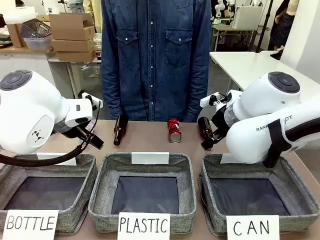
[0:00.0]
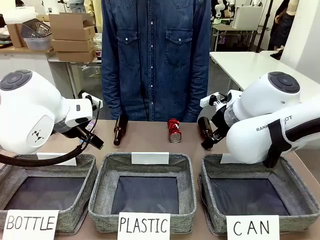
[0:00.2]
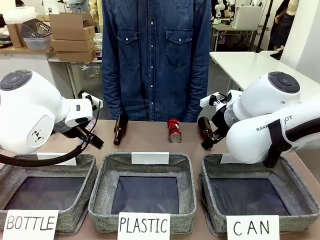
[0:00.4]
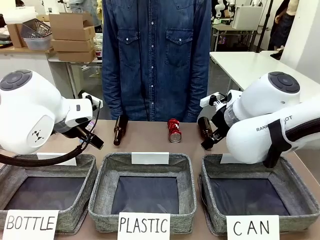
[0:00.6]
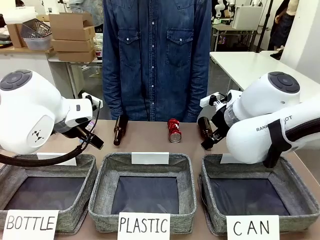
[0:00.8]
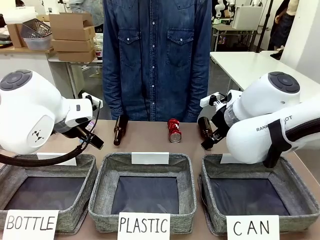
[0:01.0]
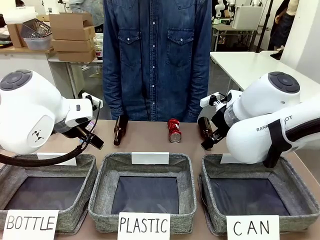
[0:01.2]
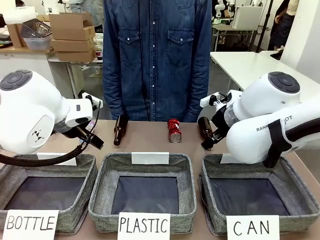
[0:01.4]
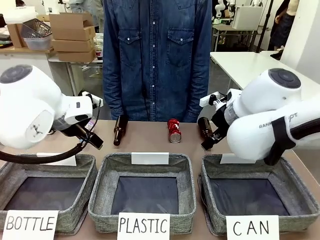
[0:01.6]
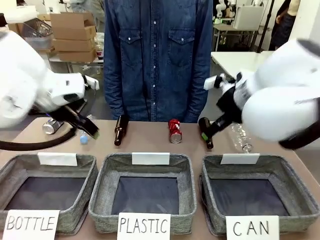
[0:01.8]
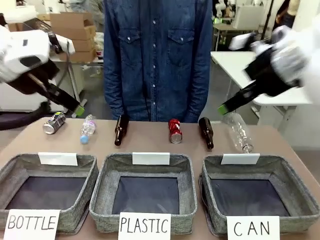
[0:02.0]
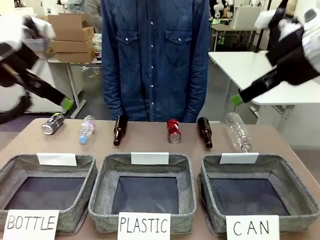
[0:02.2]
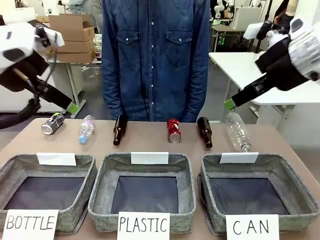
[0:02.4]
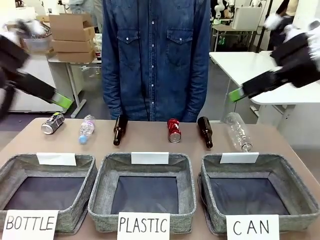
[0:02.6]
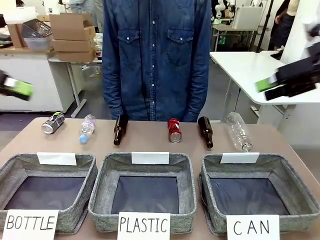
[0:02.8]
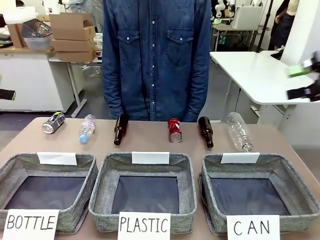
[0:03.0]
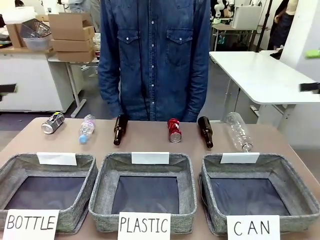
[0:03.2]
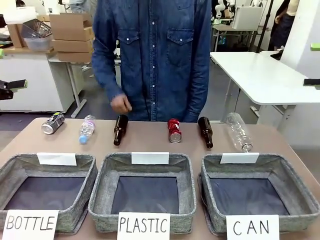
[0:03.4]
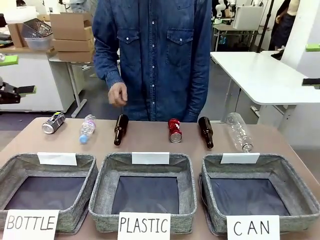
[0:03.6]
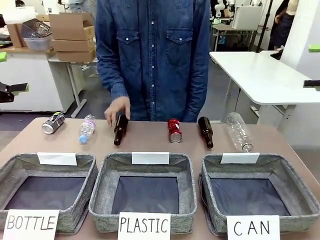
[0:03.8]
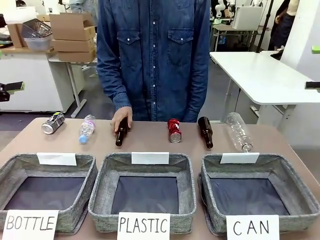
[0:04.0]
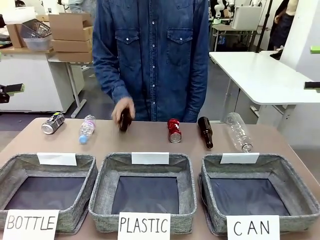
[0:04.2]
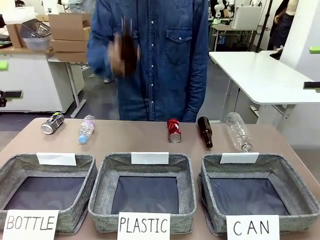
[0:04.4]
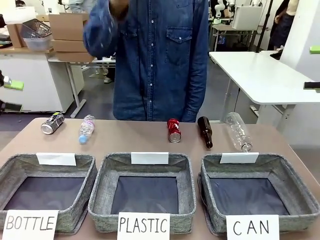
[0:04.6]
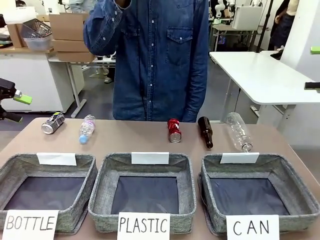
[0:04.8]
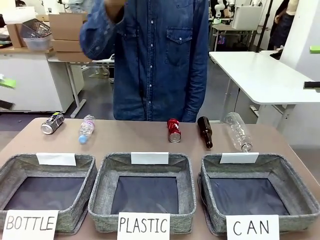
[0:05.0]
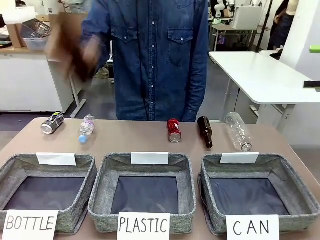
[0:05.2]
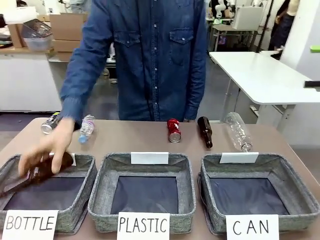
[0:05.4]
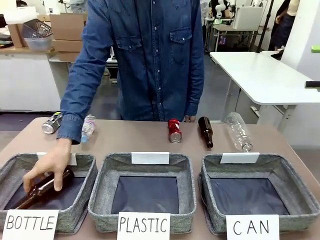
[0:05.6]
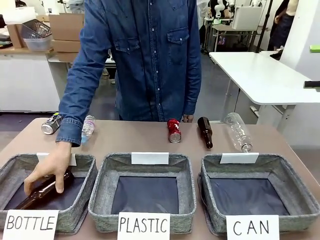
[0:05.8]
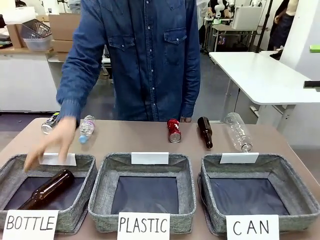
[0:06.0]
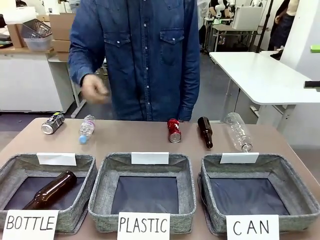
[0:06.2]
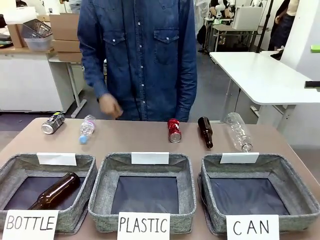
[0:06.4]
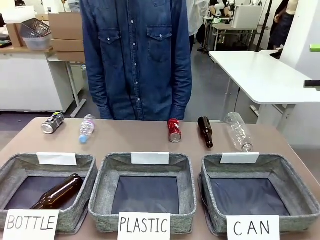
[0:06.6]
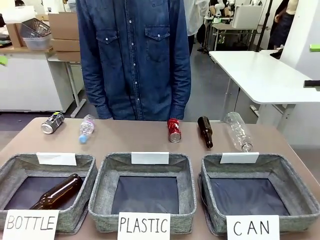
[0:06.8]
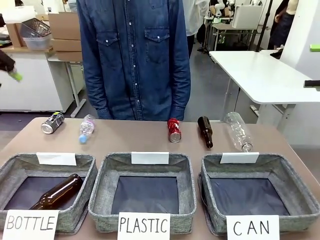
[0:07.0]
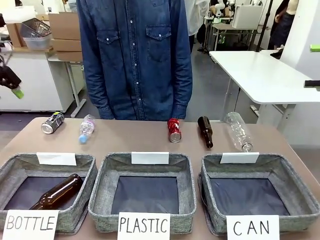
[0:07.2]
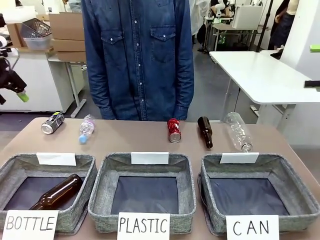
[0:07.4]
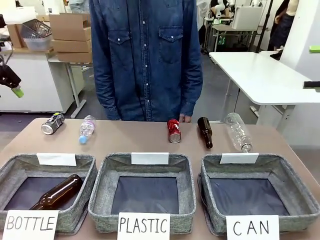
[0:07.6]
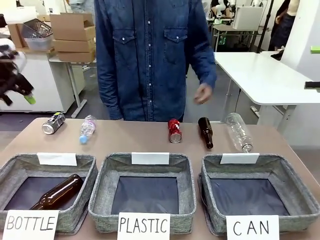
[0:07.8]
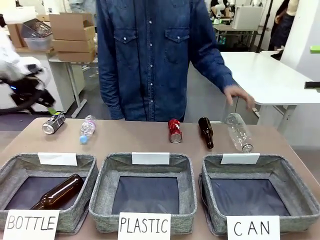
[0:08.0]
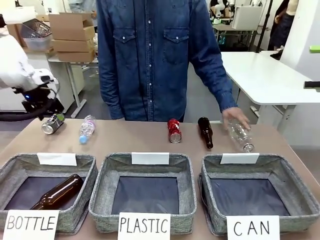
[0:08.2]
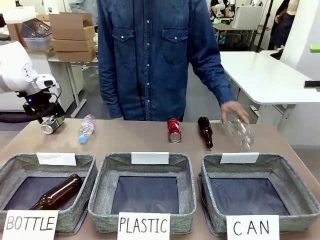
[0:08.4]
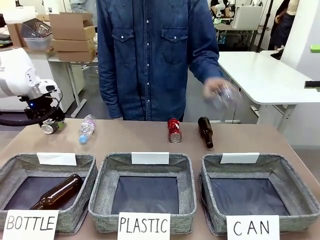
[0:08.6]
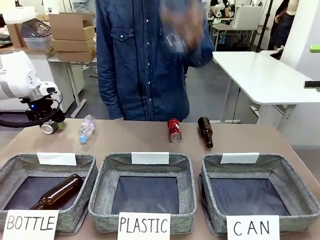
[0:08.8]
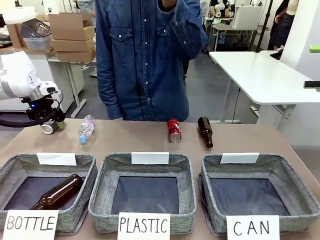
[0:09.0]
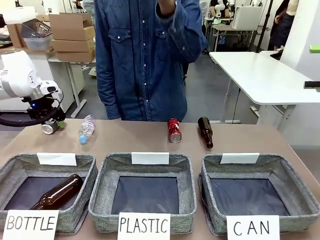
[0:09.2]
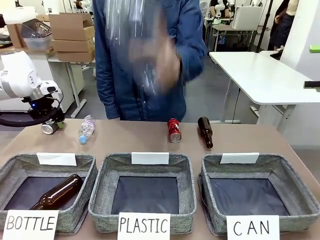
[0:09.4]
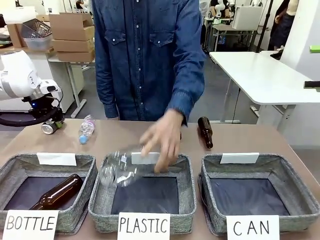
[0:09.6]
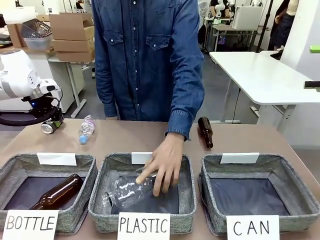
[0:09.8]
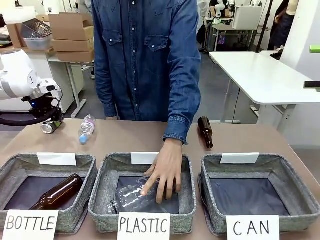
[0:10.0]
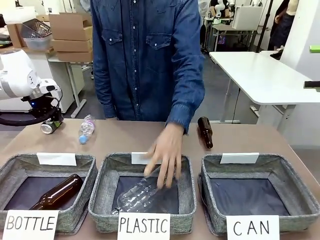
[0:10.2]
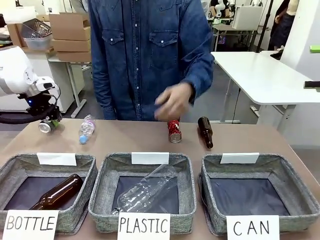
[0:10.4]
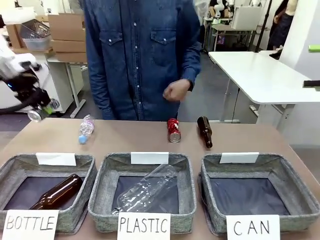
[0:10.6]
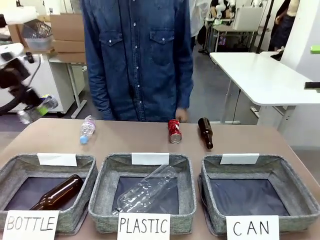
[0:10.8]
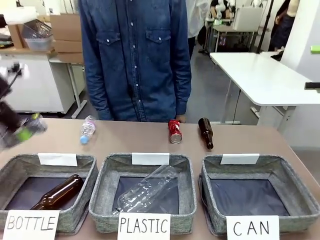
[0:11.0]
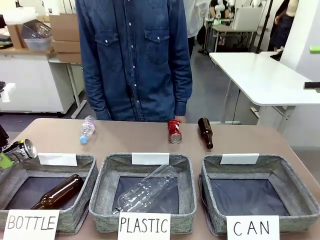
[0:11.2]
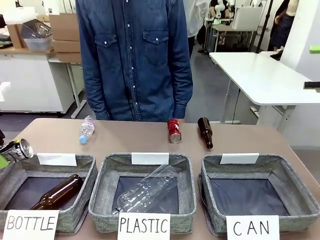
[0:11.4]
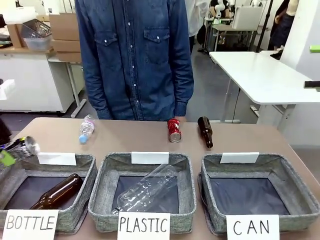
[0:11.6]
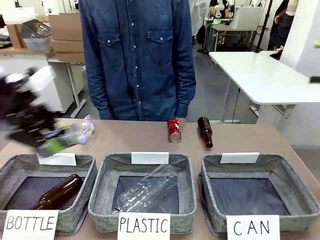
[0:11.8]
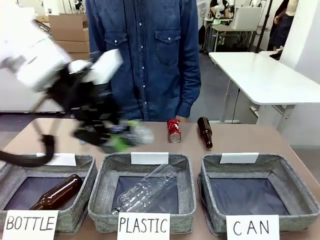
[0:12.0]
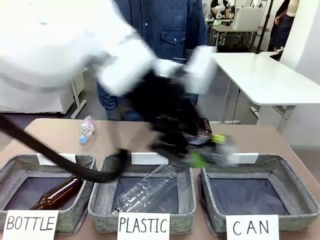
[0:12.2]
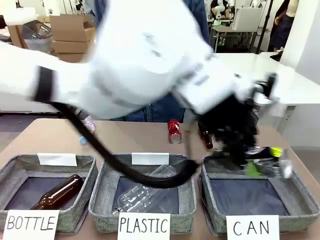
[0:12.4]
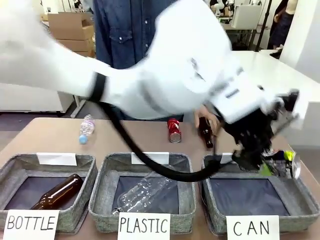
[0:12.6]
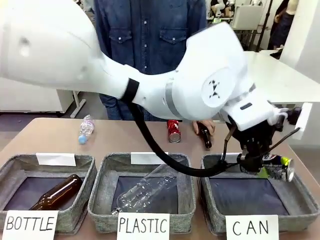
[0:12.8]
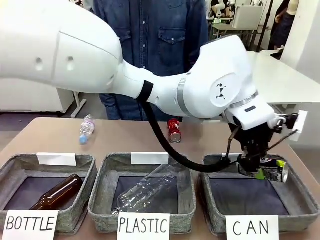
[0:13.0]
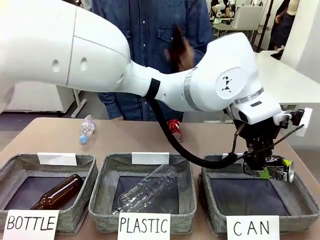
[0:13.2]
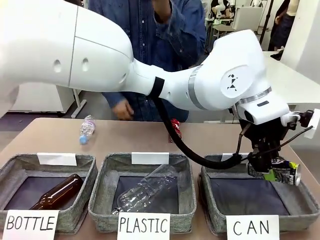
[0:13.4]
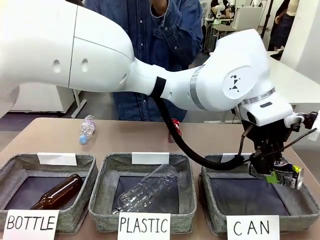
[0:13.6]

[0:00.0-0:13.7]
Task: Sort the can waste into the basket.
Robot: Pick up the can waste from the table and place it in the right Fabric basket.

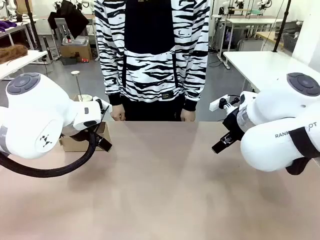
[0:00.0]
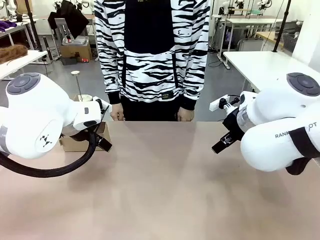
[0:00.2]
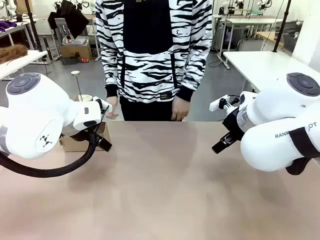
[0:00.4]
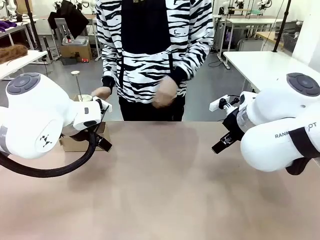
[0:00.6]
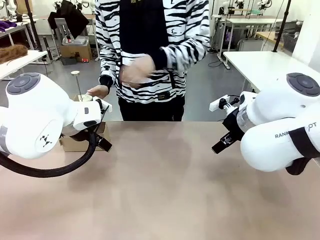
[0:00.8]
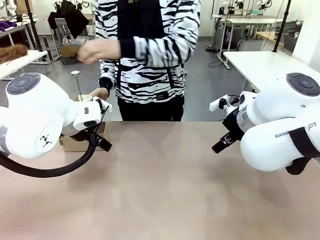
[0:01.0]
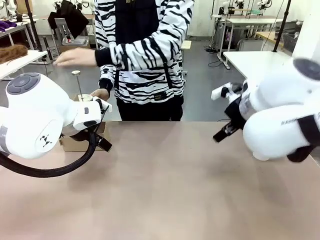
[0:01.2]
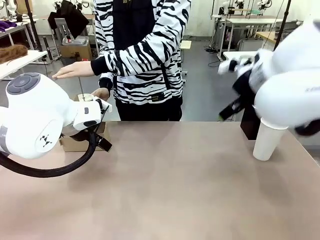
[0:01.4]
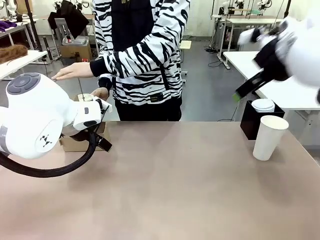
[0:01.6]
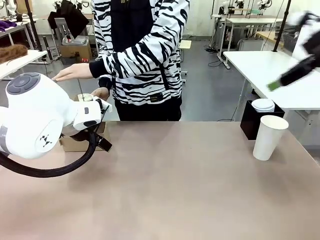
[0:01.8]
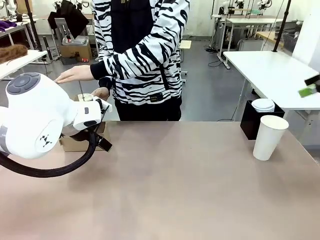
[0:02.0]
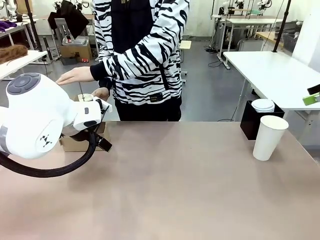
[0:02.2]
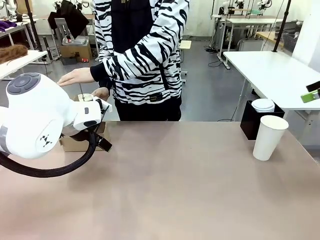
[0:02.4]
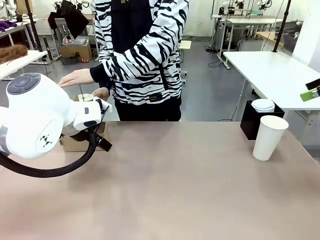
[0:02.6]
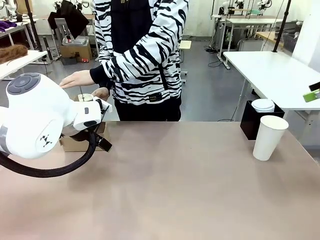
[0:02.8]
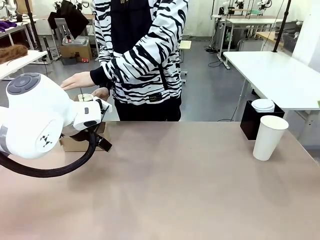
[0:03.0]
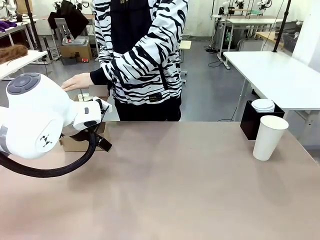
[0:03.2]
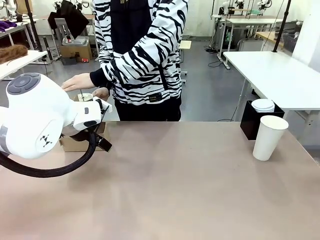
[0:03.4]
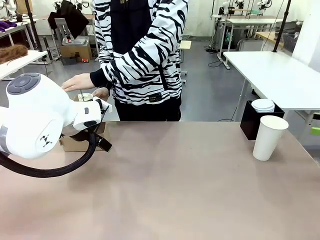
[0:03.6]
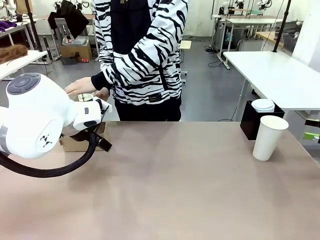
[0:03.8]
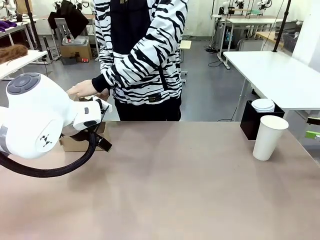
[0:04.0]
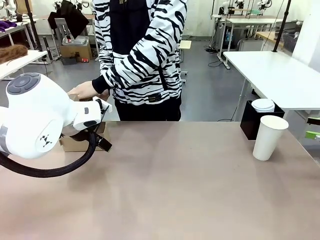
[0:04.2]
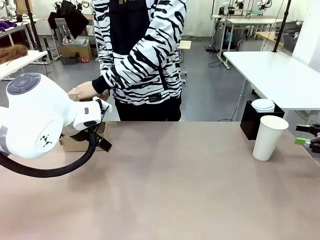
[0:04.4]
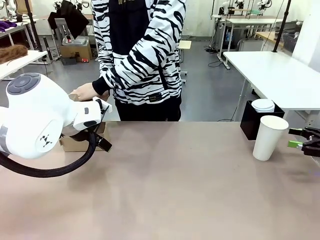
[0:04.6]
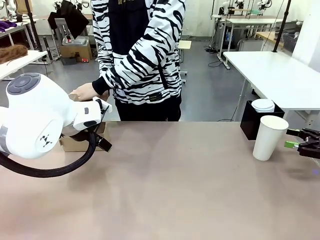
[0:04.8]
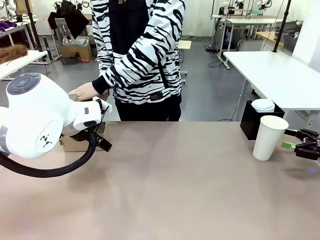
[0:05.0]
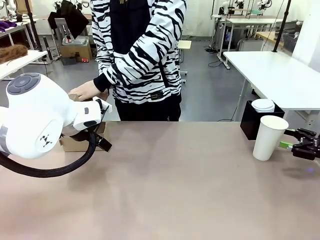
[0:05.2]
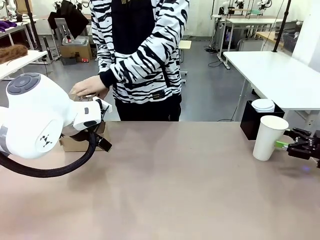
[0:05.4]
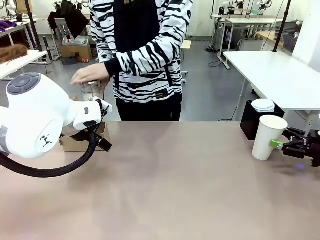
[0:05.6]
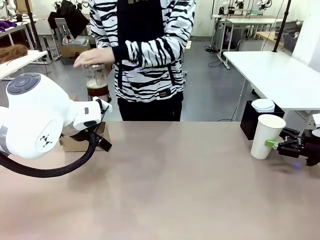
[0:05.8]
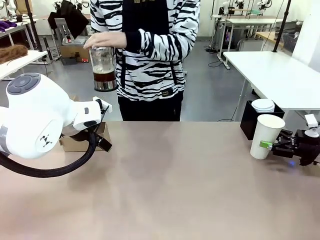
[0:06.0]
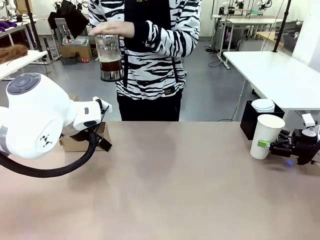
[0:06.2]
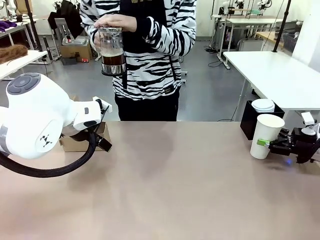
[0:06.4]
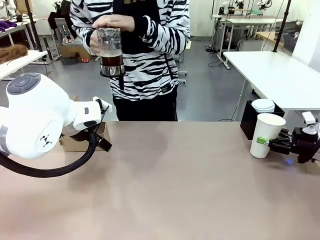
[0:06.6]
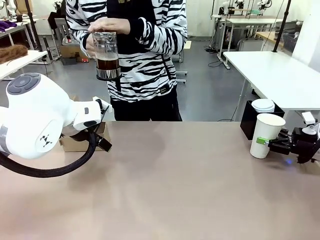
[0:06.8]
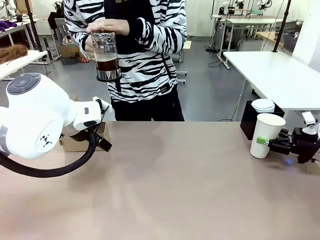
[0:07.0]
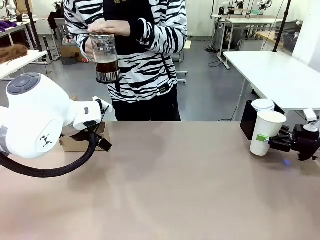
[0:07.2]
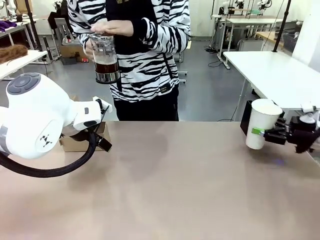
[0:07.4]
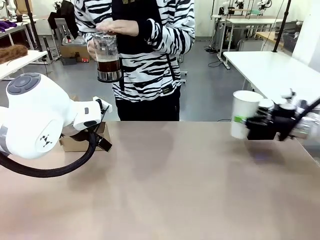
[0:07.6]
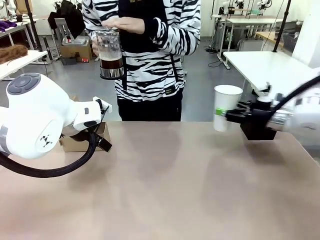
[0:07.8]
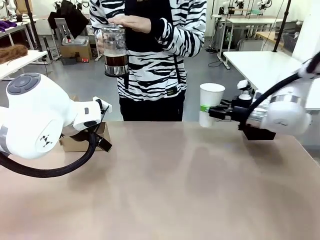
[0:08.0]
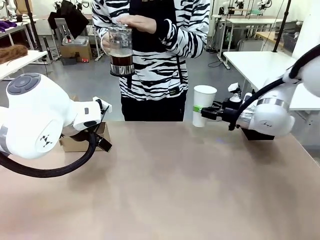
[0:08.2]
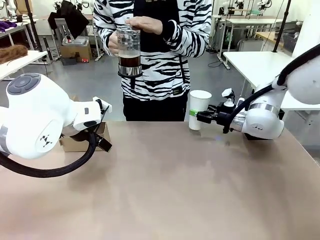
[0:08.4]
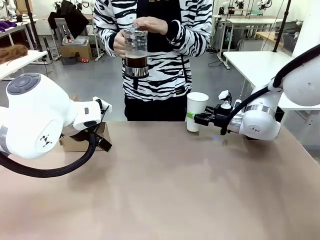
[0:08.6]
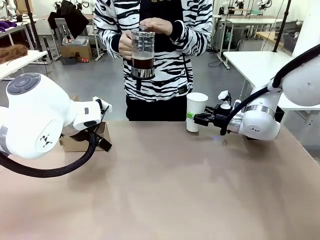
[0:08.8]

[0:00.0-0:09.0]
Task: Pour a drink into a cup and package it in a carrier.
Robot: Pick up the 600 ml Paper Cup and place it in the middle top area of the table.
Person: Press and pick up the Filter Brewing.
